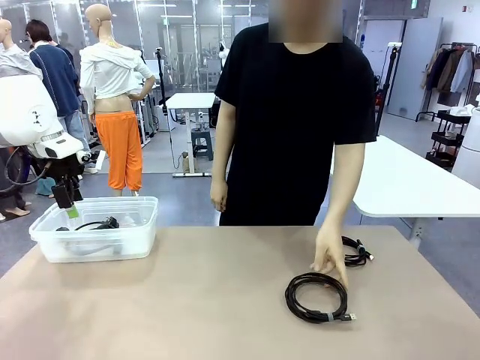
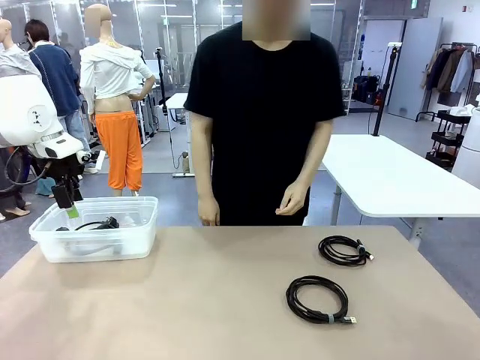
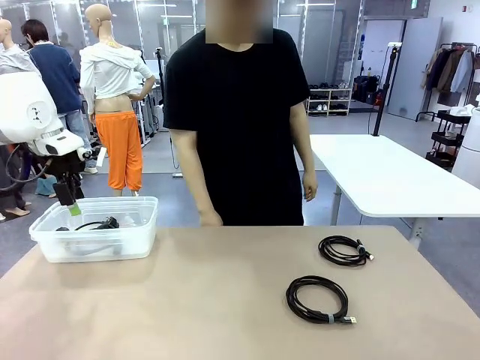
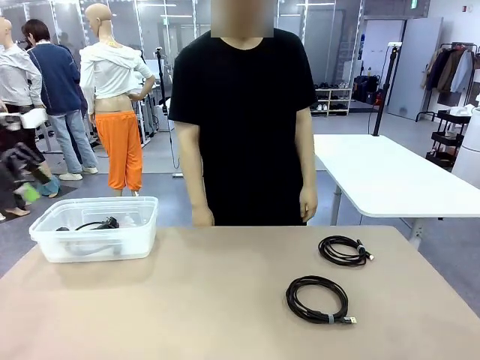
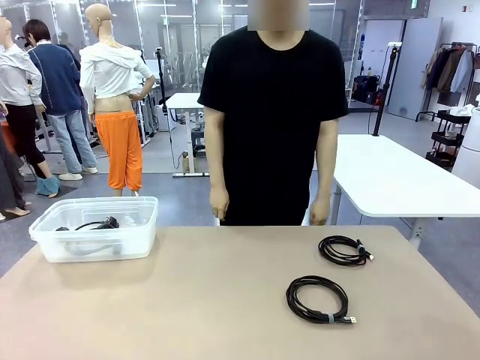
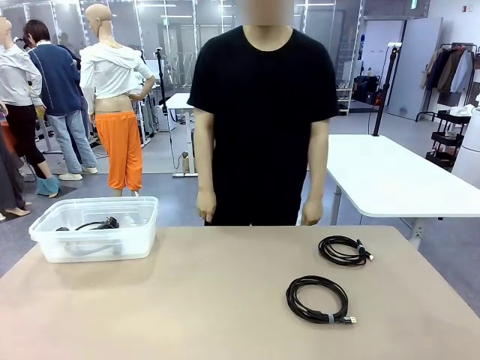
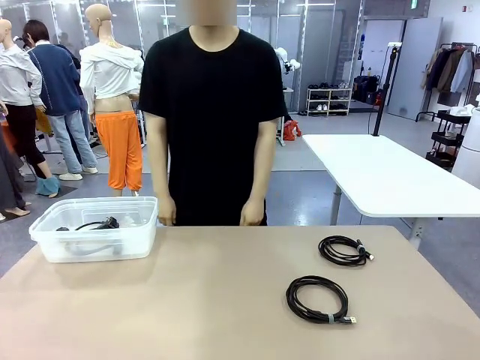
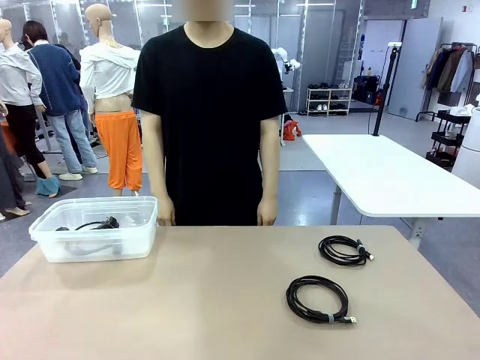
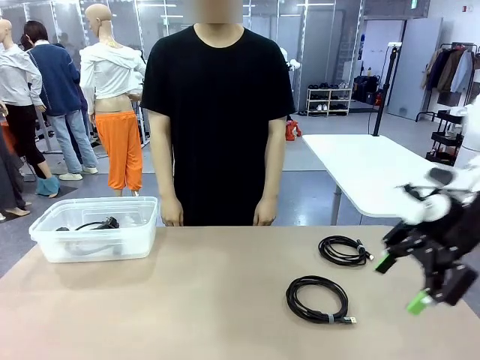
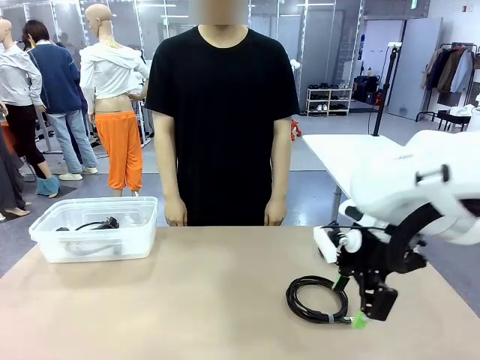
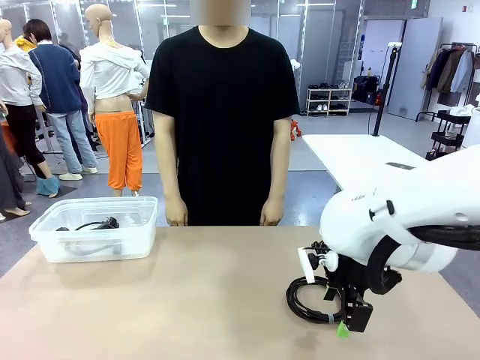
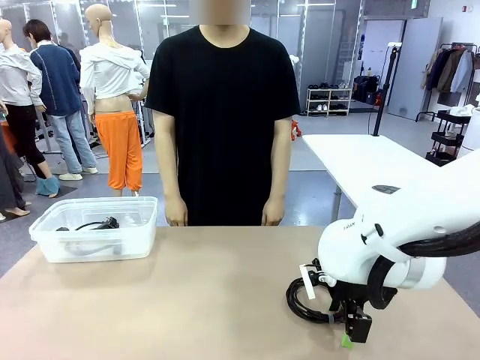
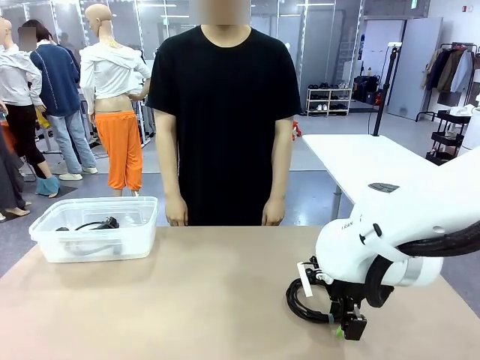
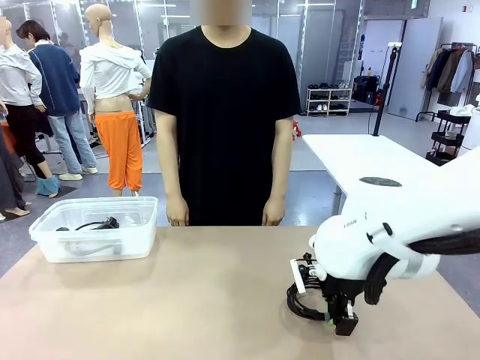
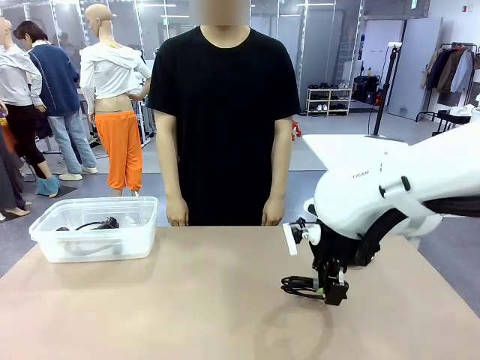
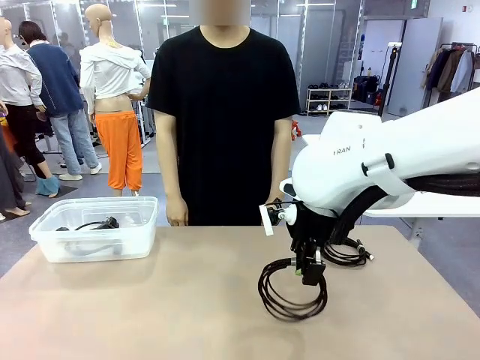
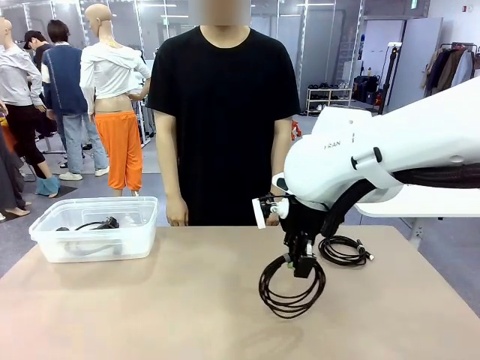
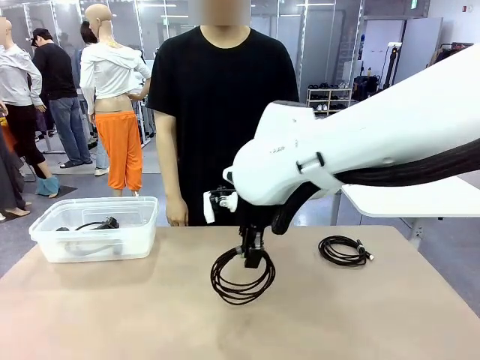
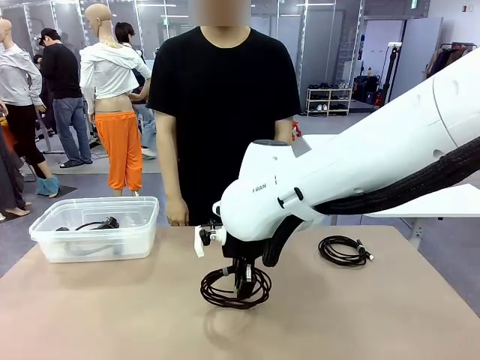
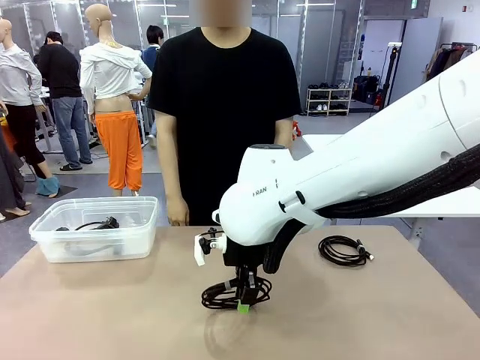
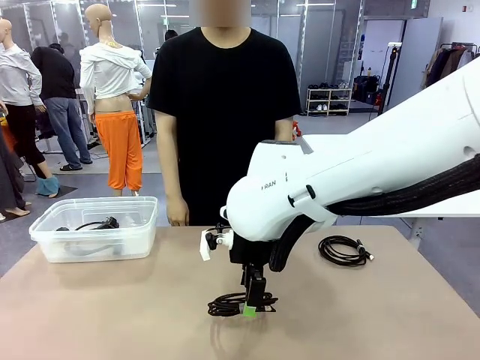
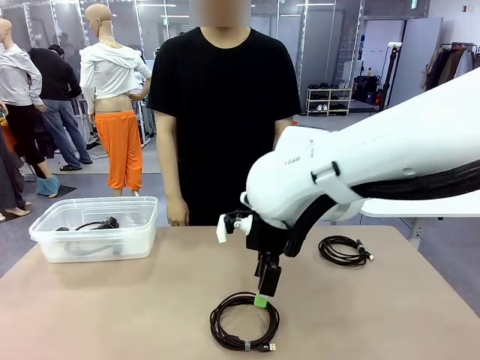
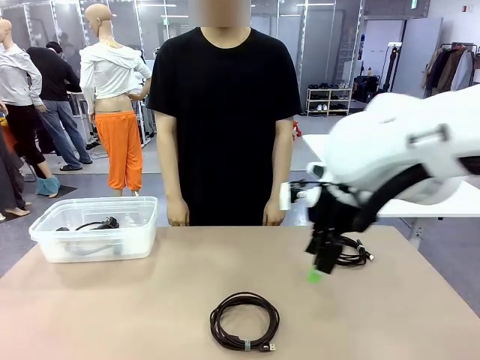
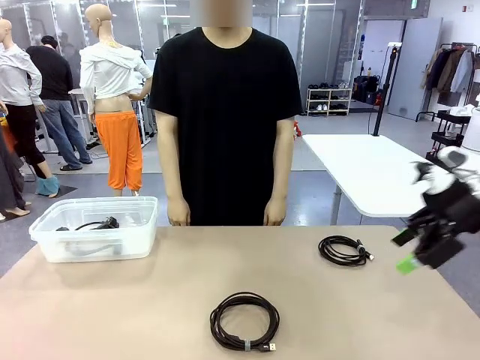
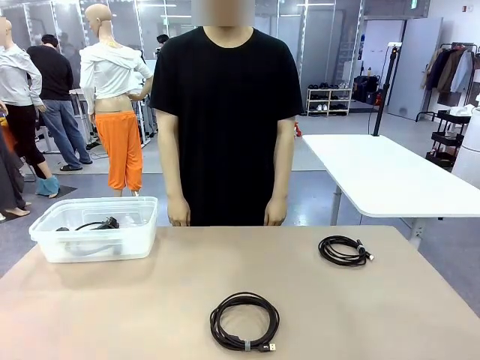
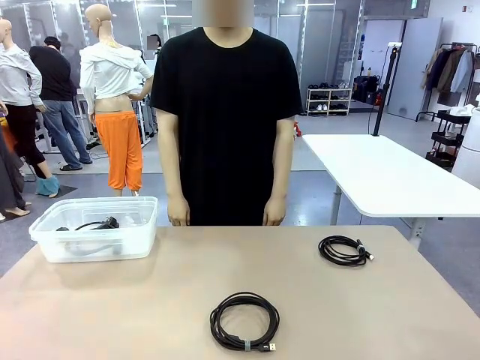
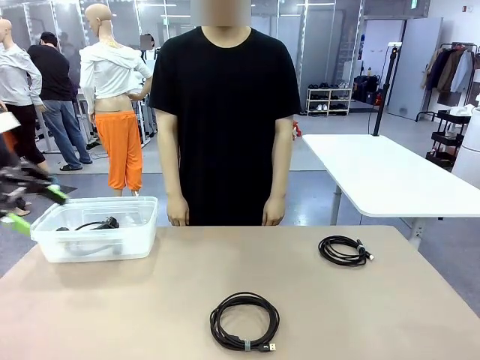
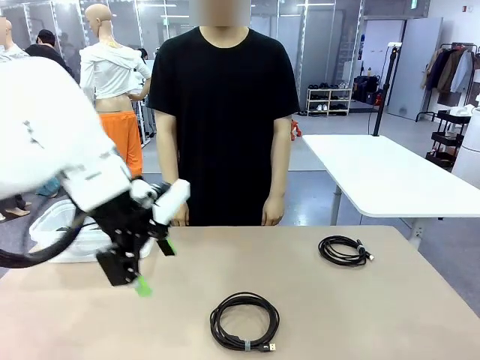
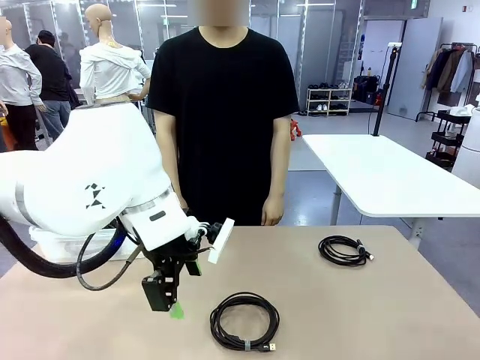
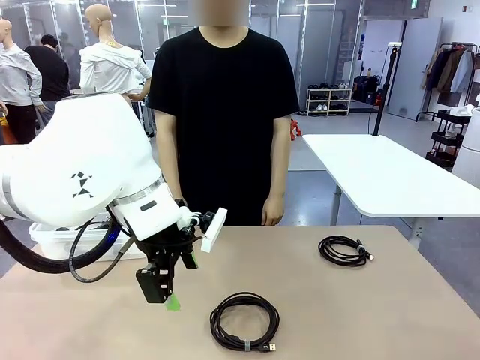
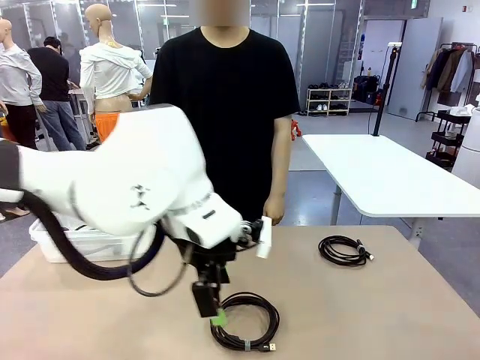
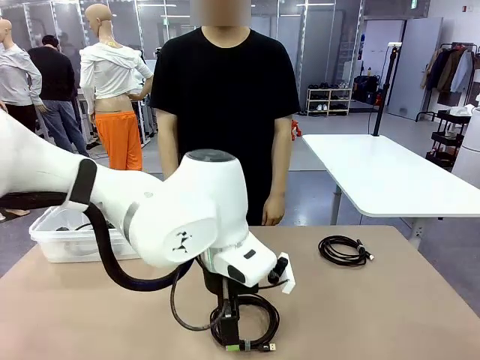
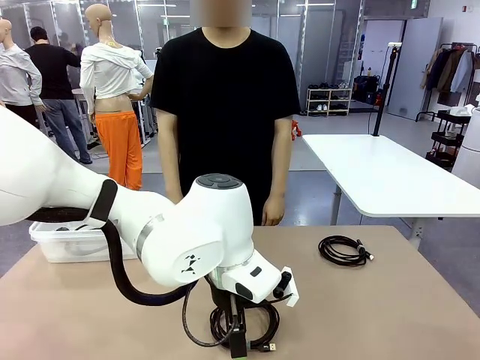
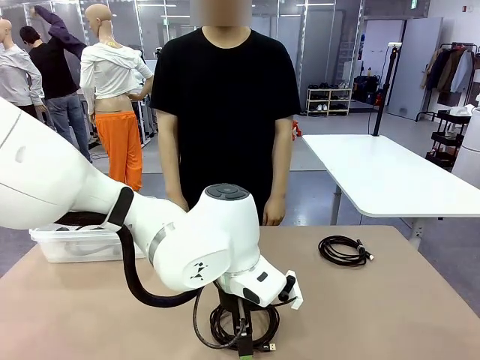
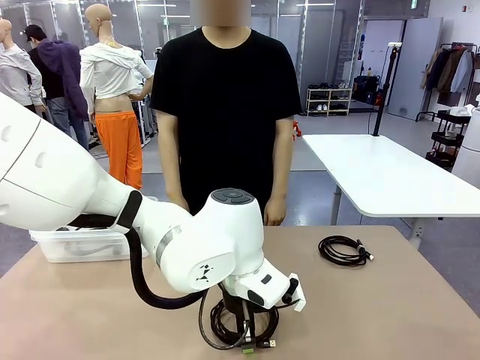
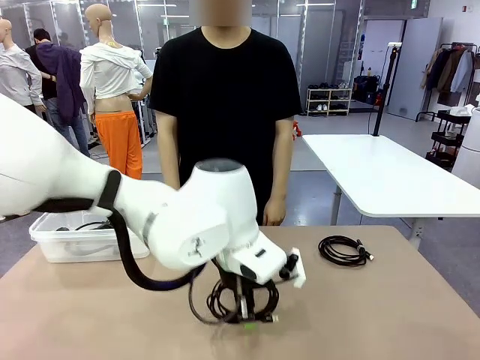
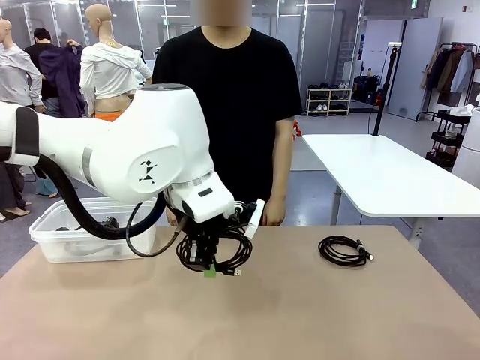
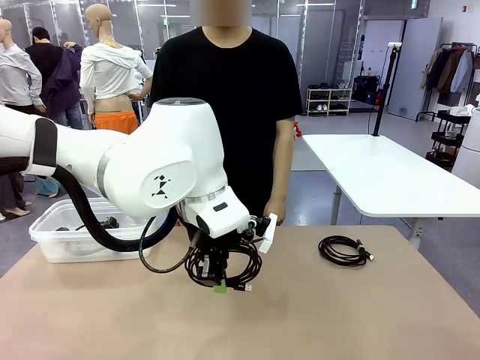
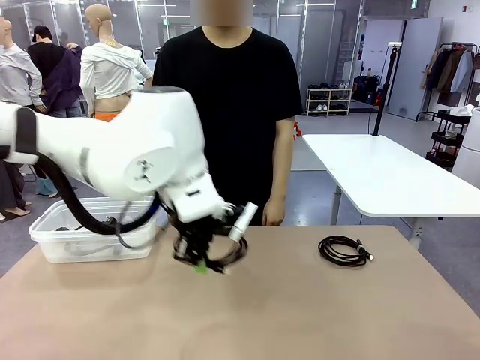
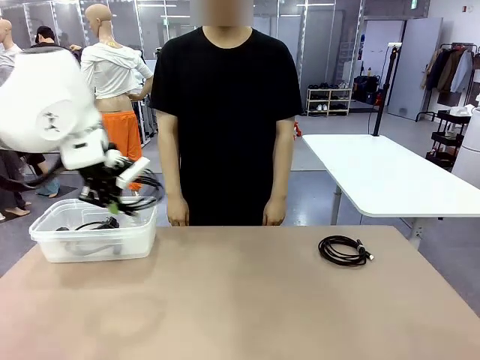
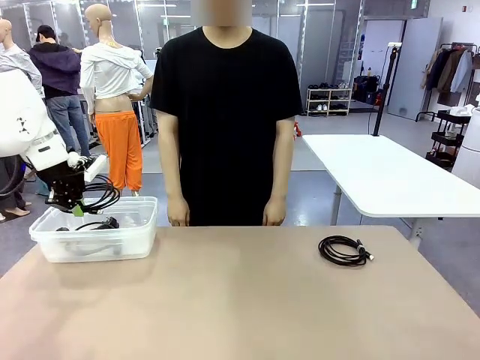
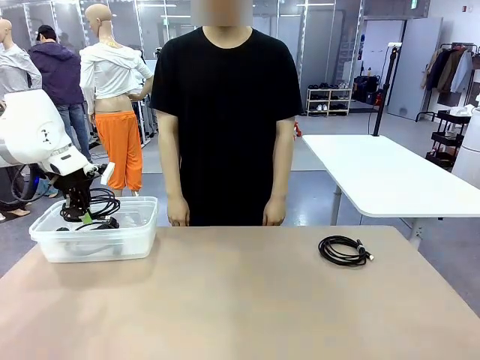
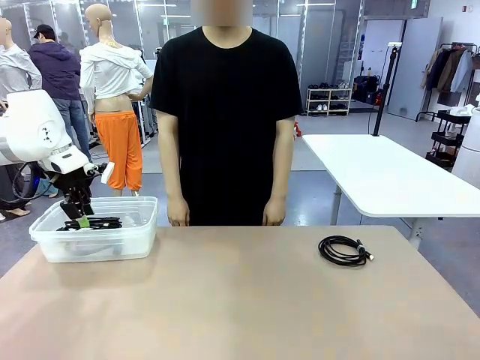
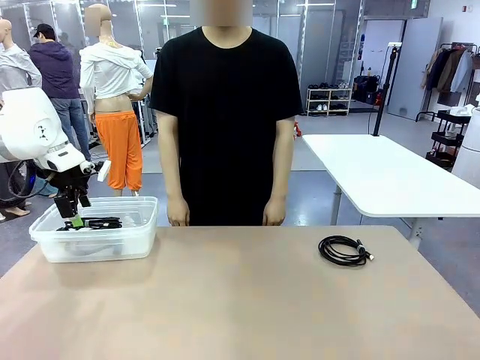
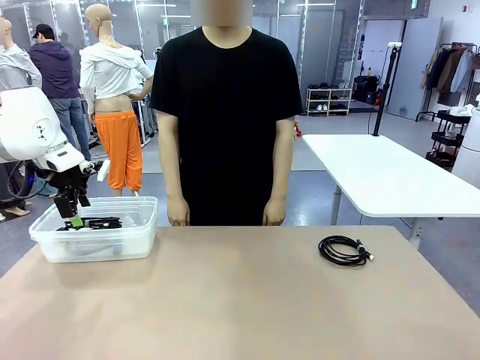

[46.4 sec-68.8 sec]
Task: Organize and store the cables.
Robot: Place the USB Extension Cable into the Organizing box.

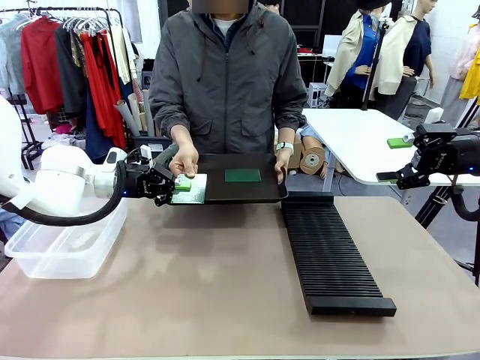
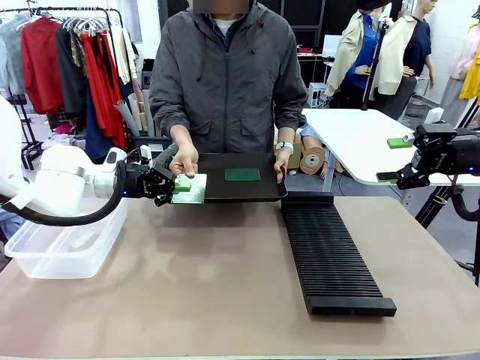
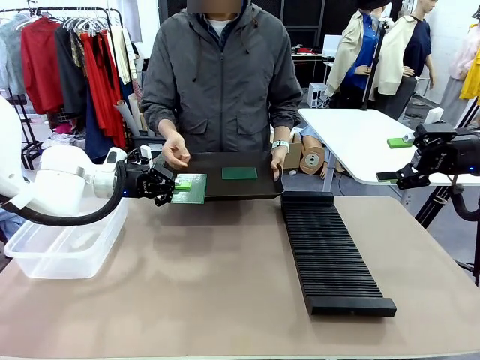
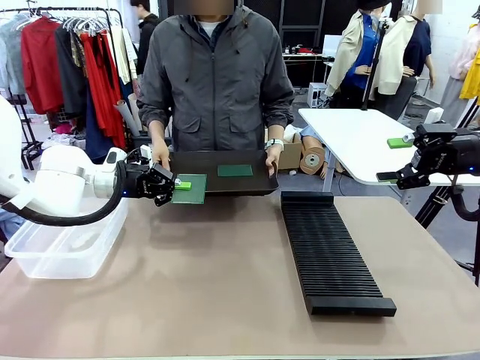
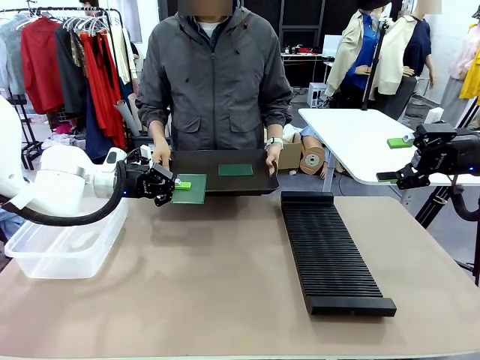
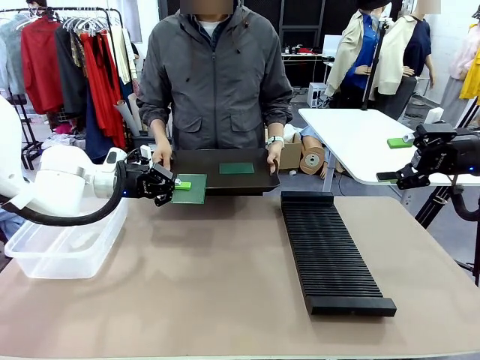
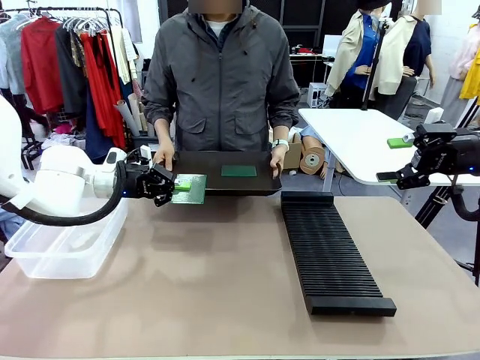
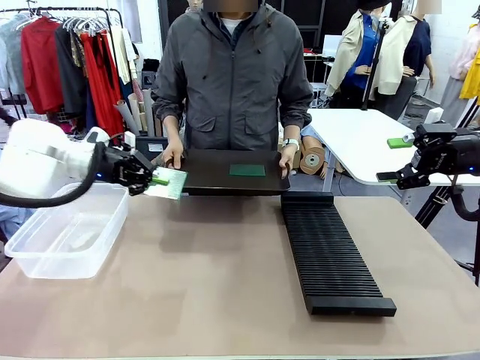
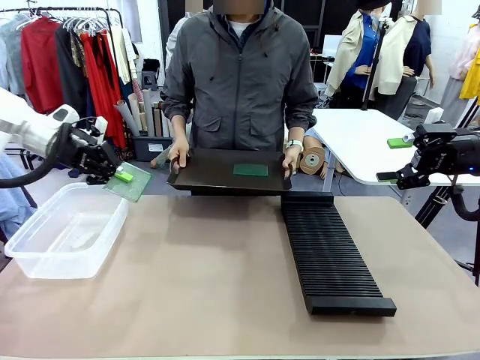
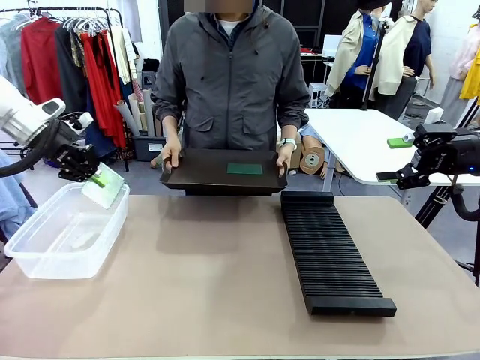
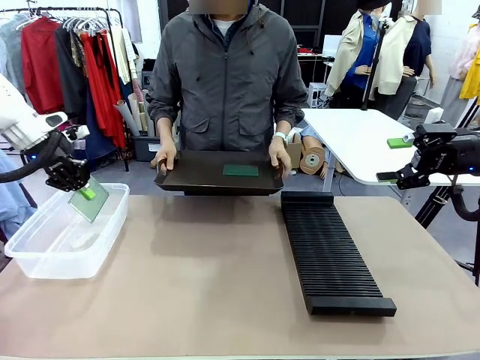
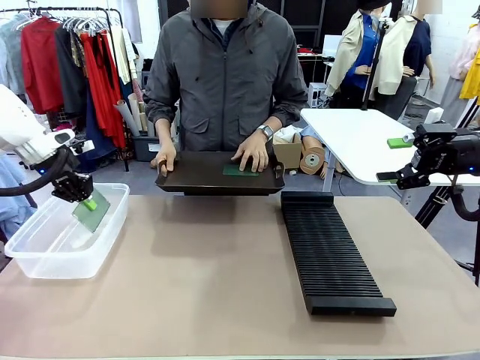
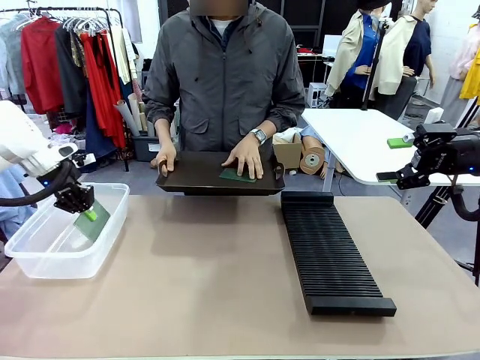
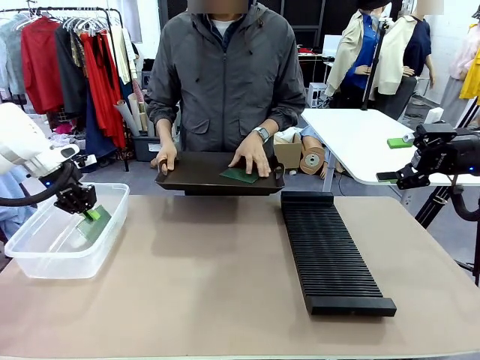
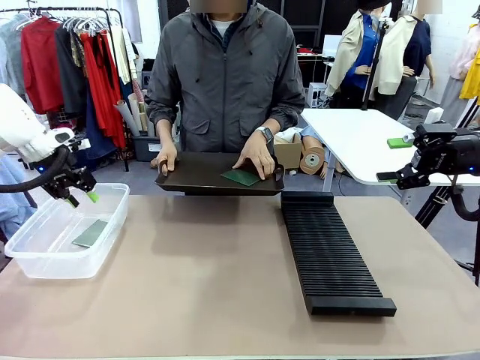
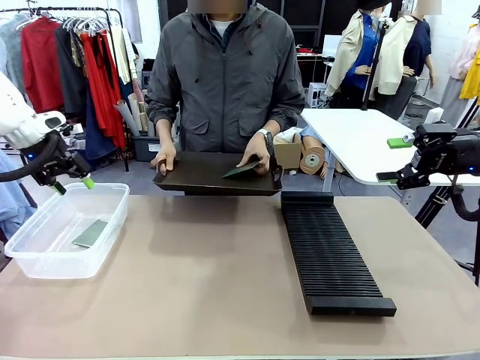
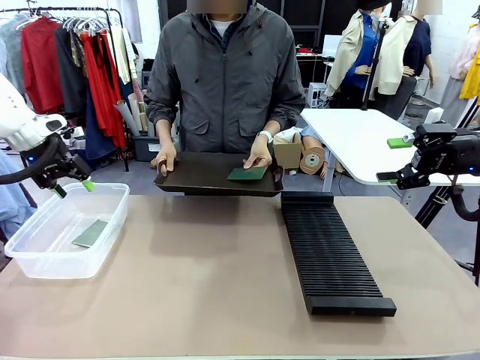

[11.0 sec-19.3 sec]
Task: Sort PCBs into racks and boxes based on the side picked up.
Robot: If the short side of the Blank PCB is picked up, insert it into the PCB Rack ; if the long side is picked up, place it in the Organizing box.
Person: Pick one PCB from the tray and present it to the robot.
